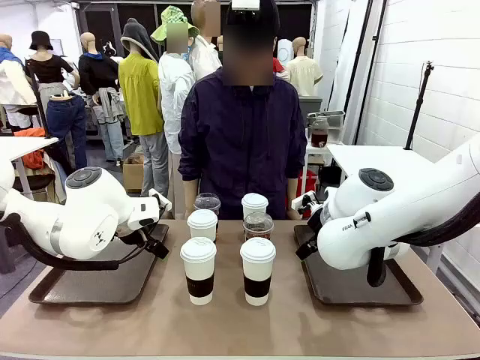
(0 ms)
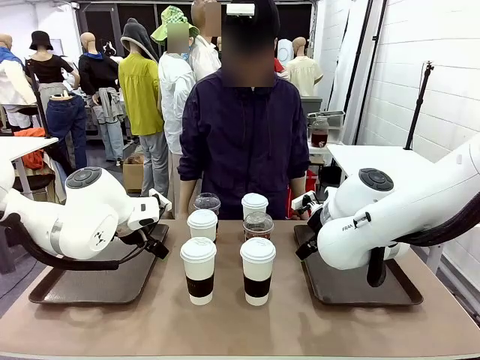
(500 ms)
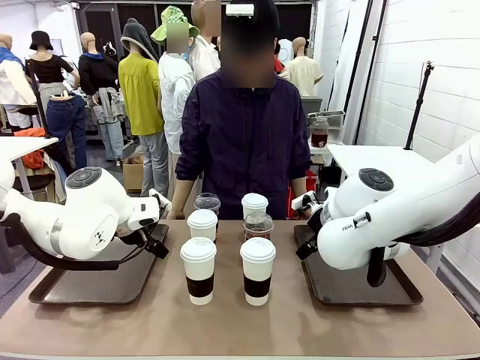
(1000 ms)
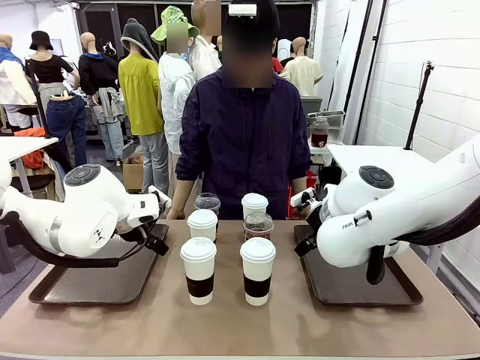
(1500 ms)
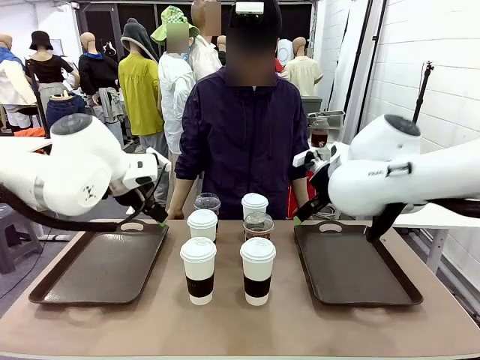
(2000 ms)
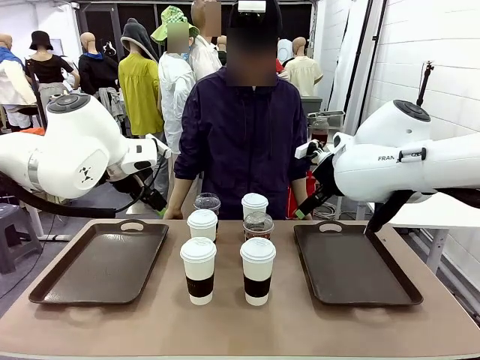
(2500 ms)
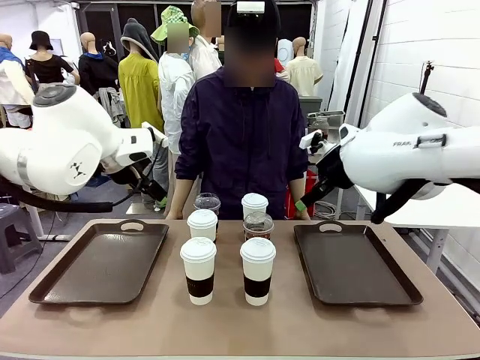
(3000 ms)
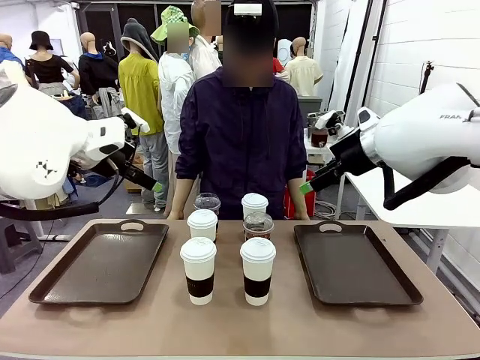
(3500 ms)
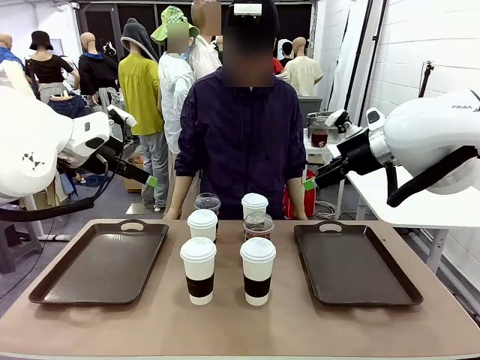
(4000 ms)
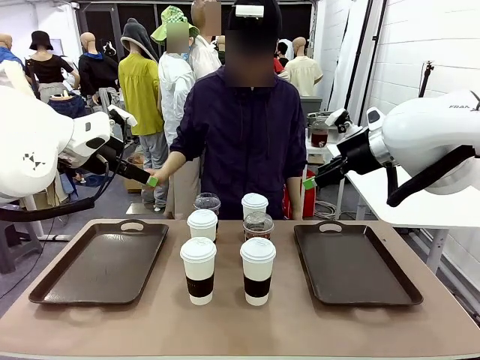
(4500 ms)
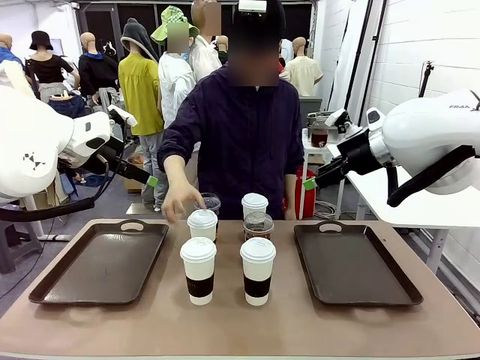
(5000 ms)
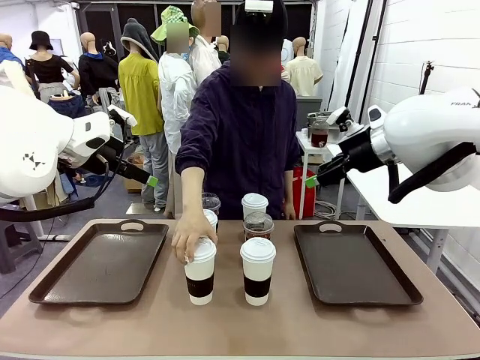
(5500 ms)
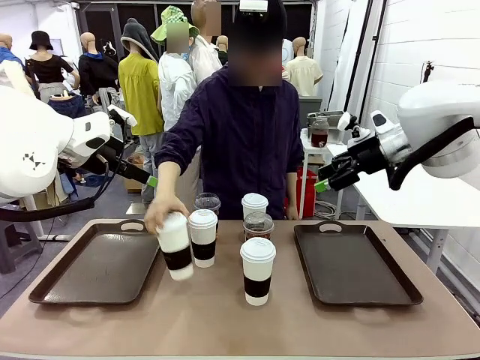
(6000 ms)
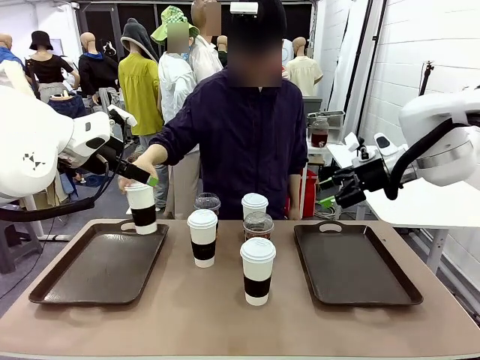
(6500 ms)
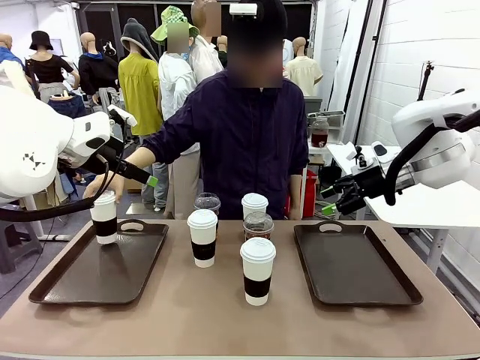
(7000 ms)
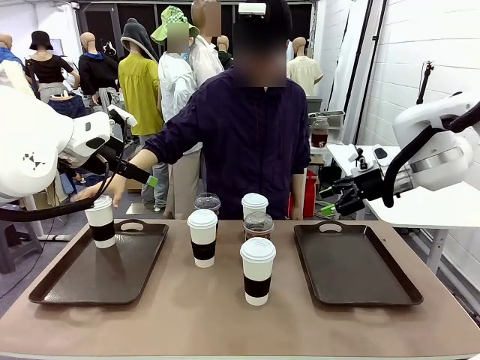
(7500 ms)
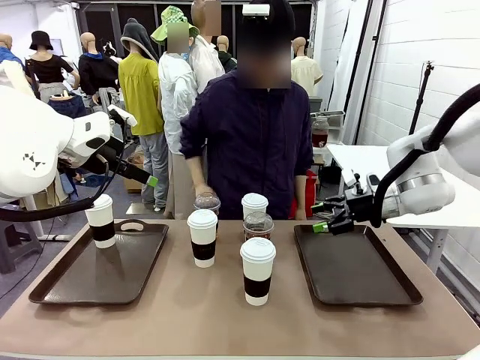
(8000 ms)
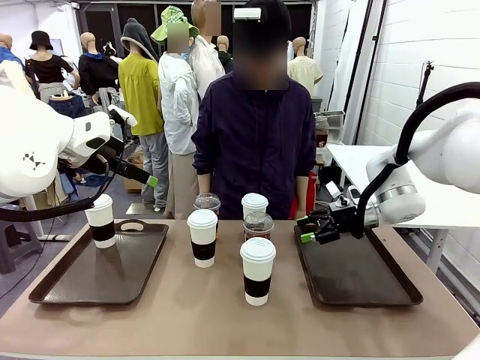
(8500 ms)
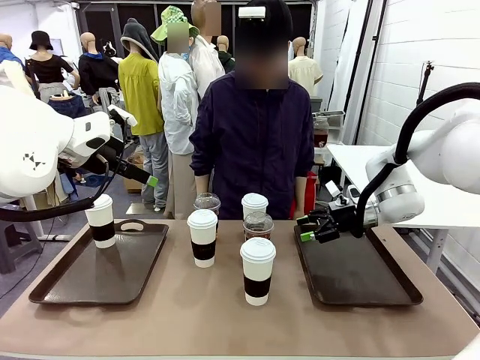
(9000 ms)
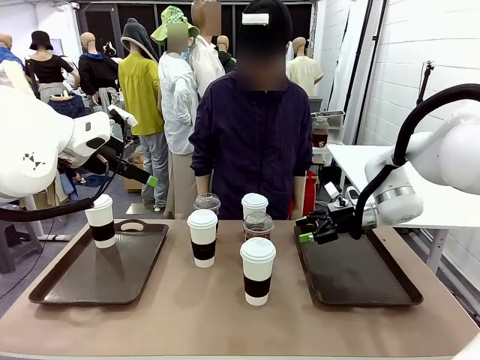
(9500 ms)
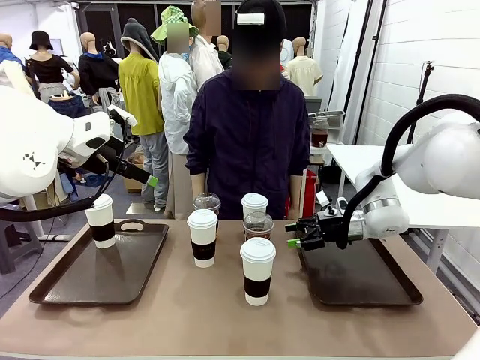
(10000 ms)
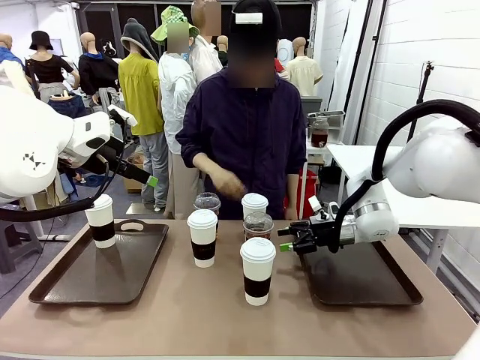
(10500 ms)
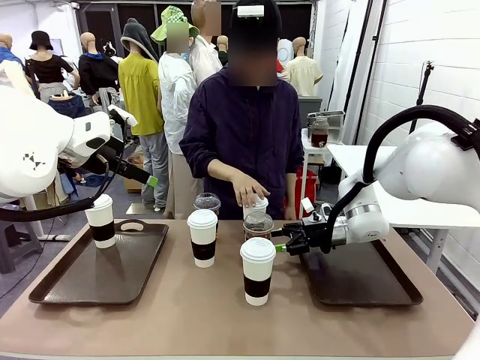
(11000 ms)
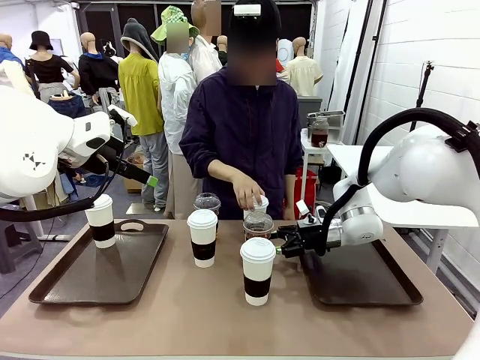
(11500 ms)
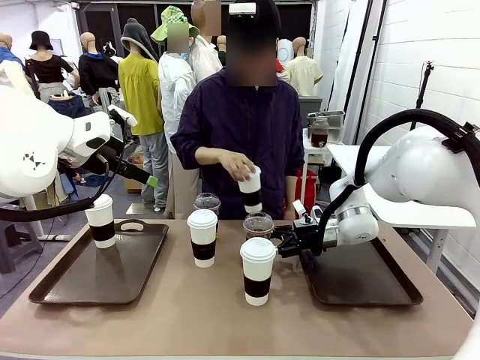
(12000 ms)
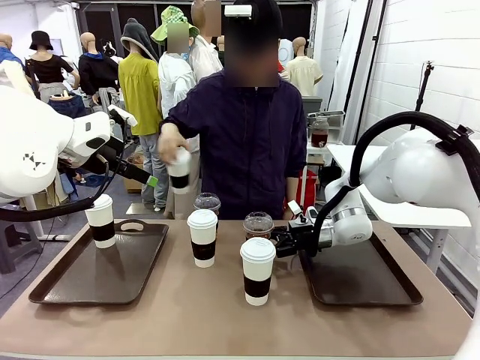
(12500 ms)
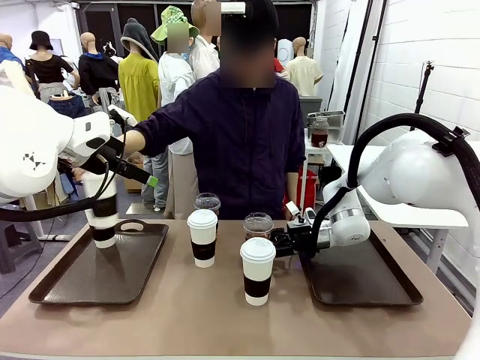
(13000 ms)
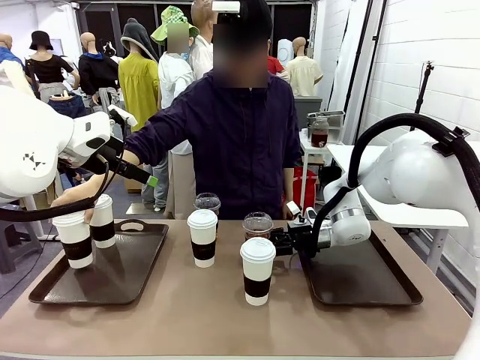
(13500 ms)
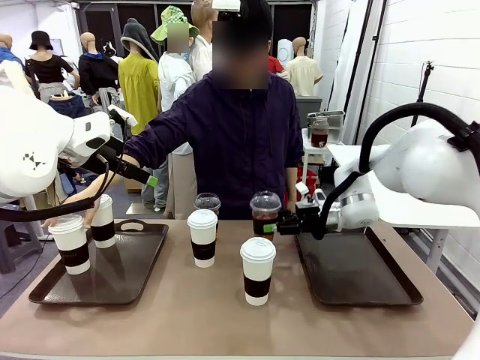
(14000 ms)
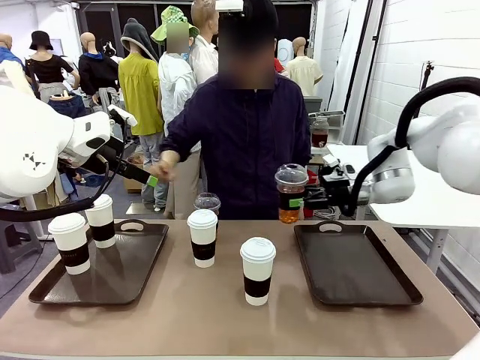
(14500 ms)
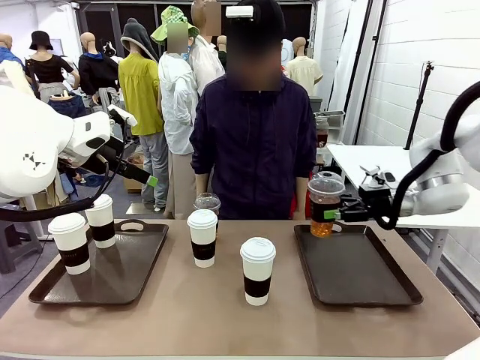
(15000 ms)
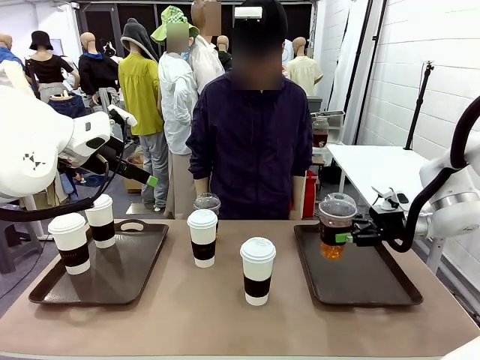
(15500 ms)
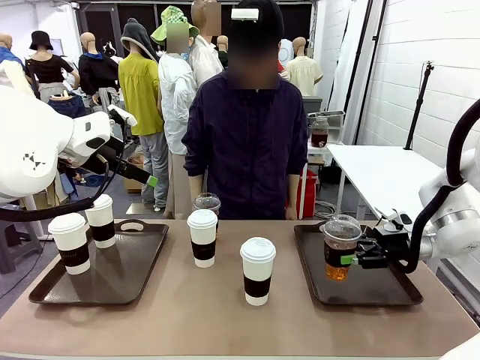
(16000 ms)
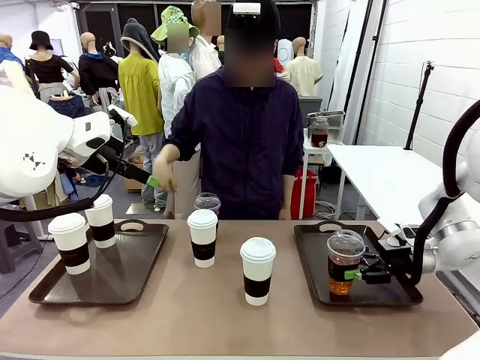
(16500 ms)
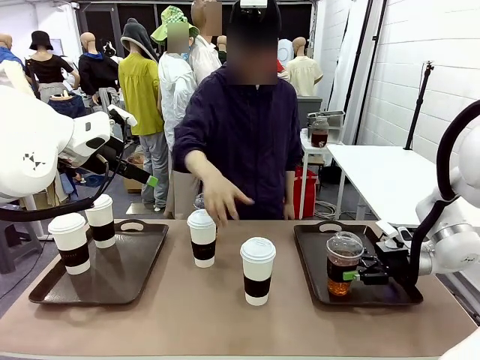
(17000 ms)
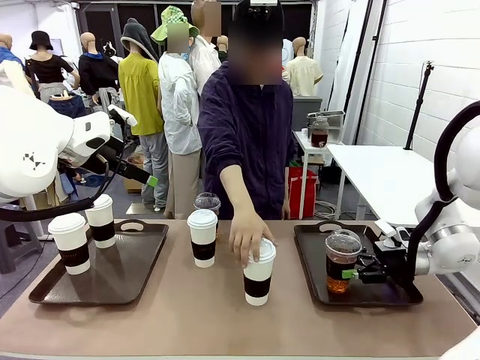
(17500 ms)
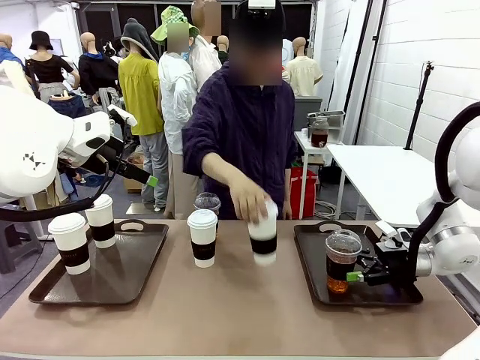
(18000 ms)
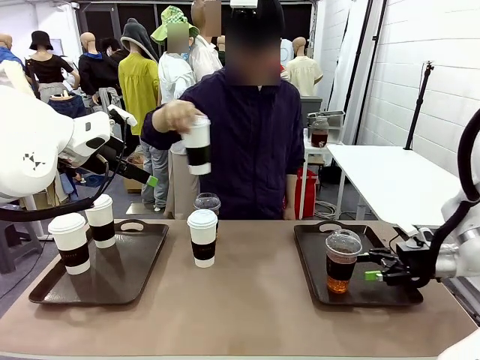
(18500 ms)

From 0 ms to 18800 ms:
Task: Distribute the coffee onto the tray.
Robot: Pick up one iced Americano and place it on the right Handle tray.
Person: Pick up a cup of hot Americano and place it on the right tray.
